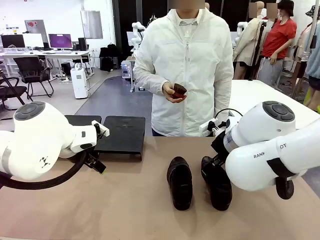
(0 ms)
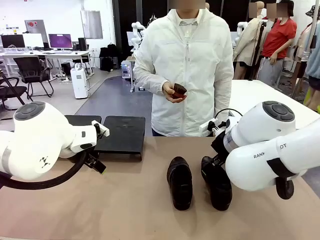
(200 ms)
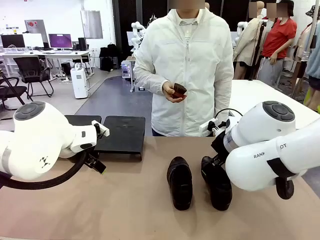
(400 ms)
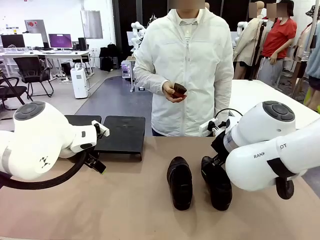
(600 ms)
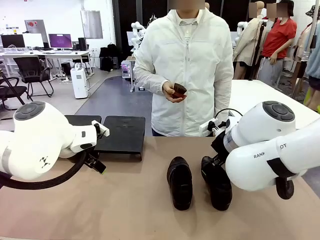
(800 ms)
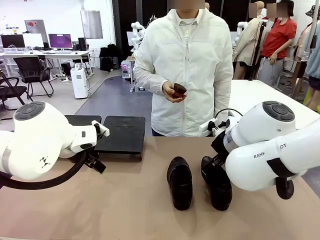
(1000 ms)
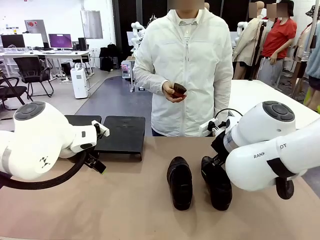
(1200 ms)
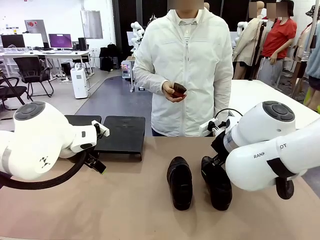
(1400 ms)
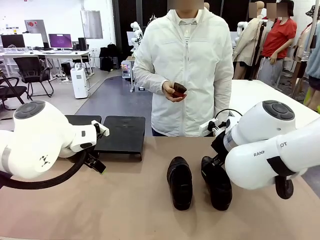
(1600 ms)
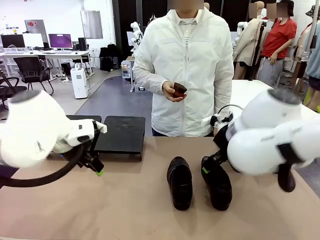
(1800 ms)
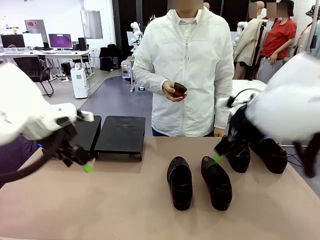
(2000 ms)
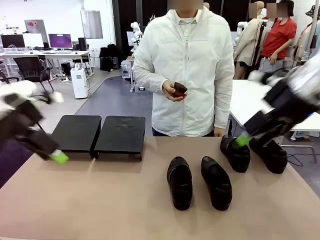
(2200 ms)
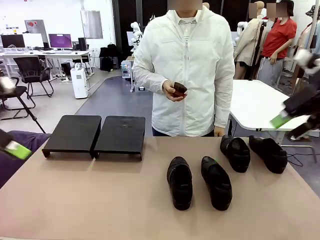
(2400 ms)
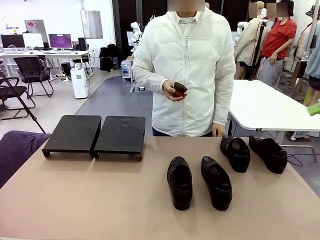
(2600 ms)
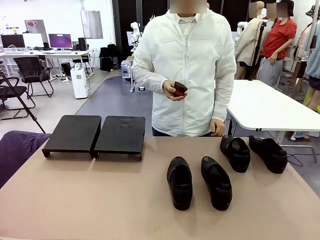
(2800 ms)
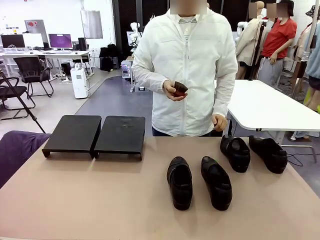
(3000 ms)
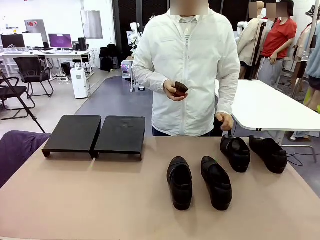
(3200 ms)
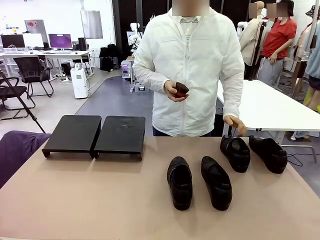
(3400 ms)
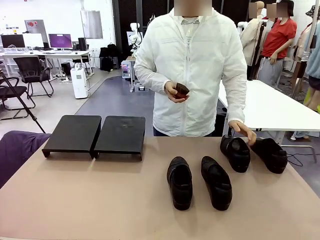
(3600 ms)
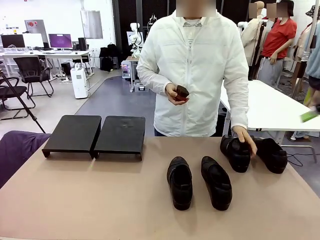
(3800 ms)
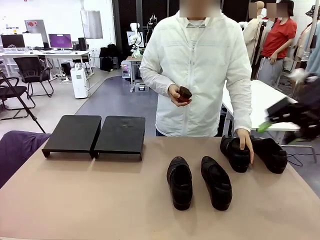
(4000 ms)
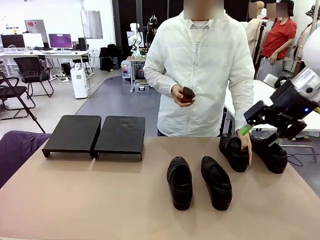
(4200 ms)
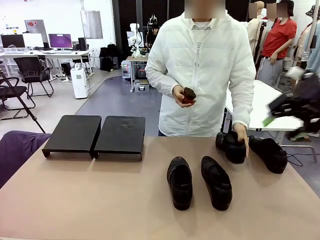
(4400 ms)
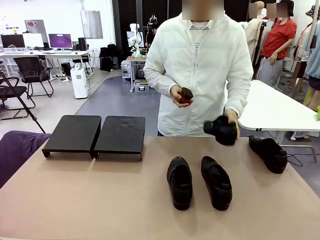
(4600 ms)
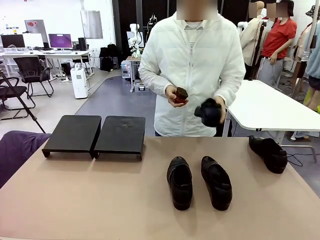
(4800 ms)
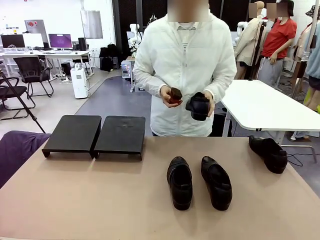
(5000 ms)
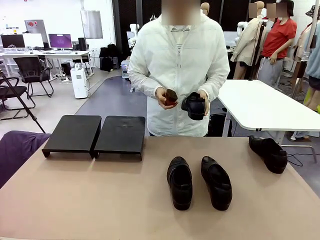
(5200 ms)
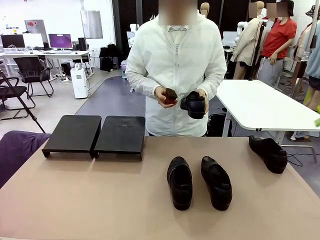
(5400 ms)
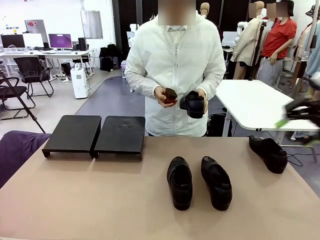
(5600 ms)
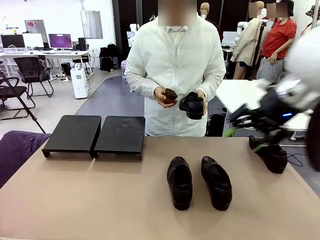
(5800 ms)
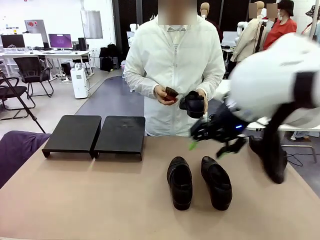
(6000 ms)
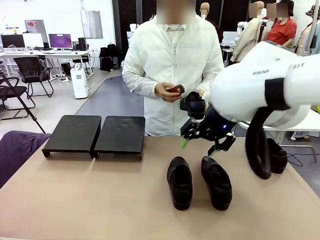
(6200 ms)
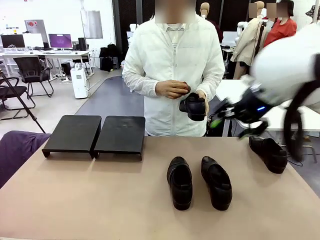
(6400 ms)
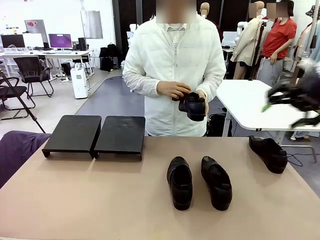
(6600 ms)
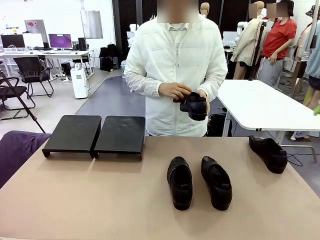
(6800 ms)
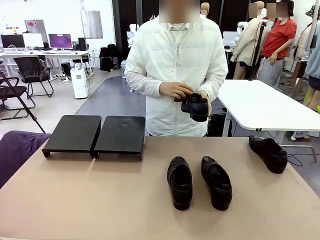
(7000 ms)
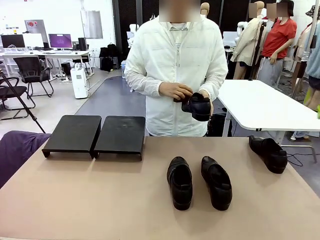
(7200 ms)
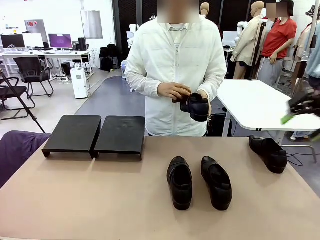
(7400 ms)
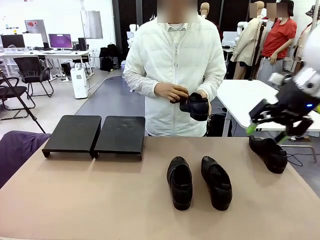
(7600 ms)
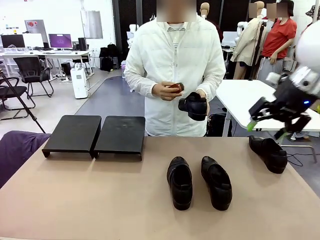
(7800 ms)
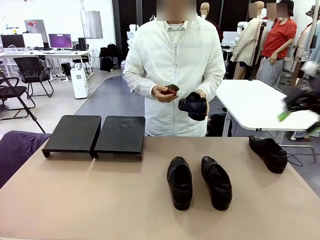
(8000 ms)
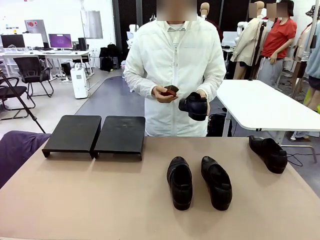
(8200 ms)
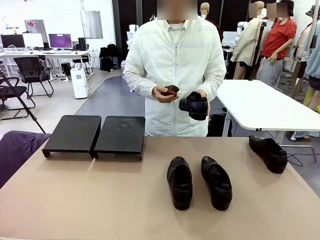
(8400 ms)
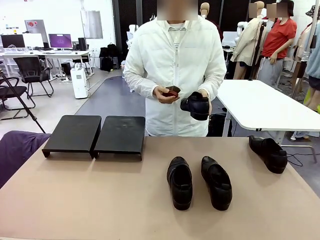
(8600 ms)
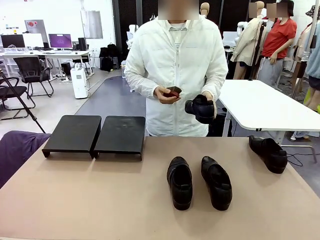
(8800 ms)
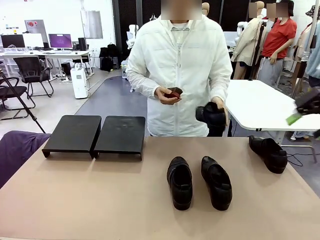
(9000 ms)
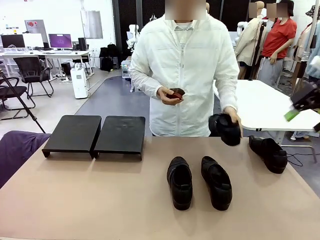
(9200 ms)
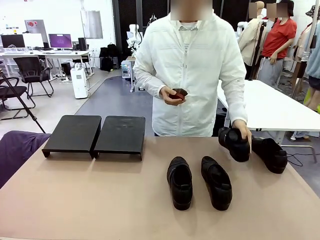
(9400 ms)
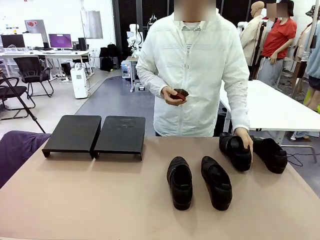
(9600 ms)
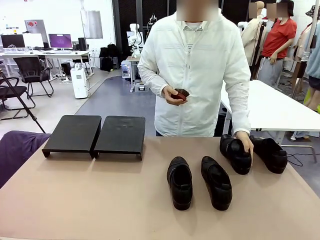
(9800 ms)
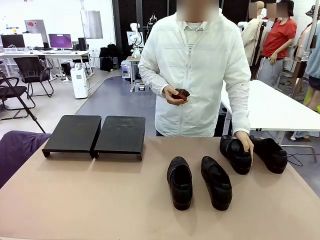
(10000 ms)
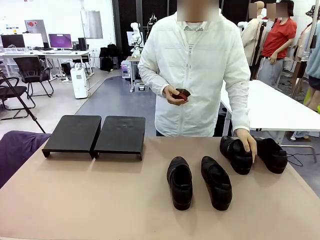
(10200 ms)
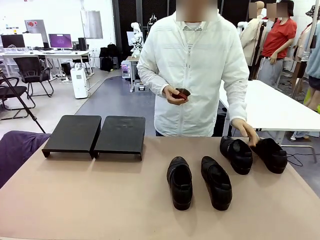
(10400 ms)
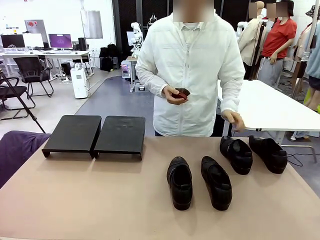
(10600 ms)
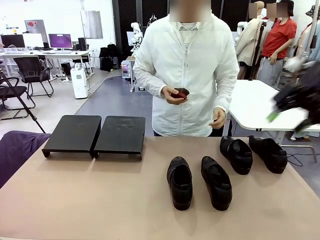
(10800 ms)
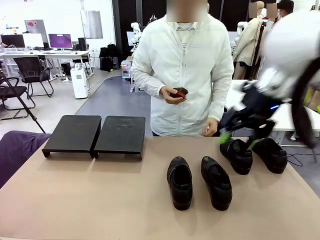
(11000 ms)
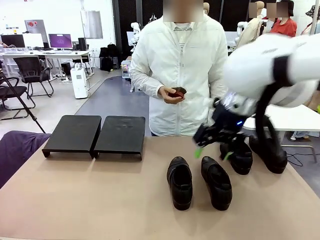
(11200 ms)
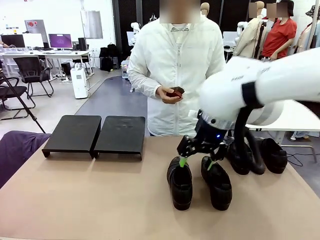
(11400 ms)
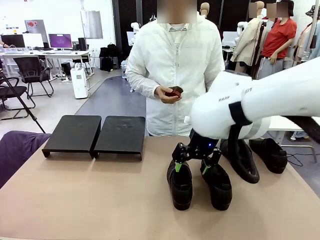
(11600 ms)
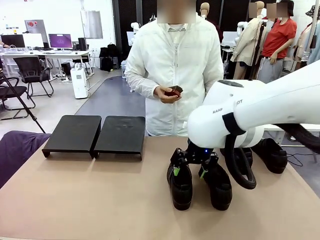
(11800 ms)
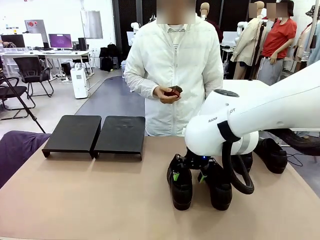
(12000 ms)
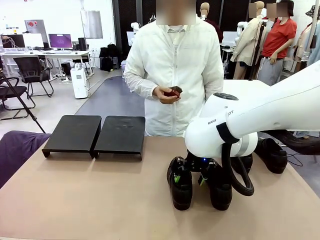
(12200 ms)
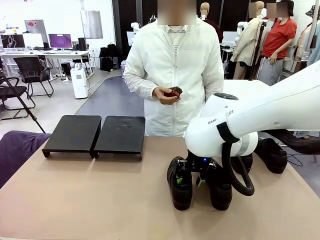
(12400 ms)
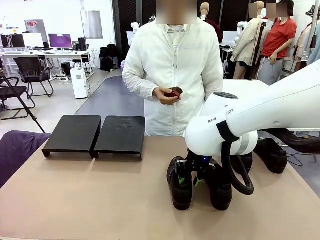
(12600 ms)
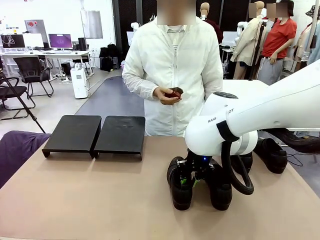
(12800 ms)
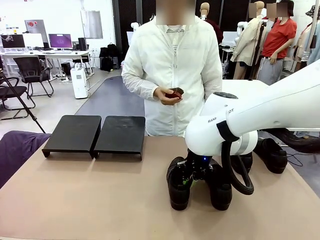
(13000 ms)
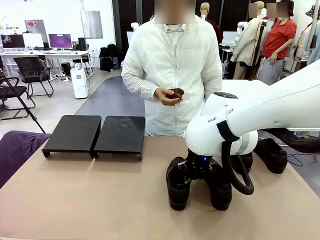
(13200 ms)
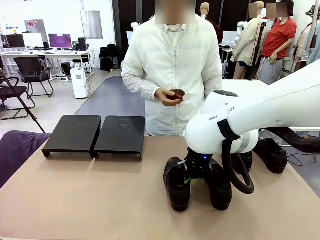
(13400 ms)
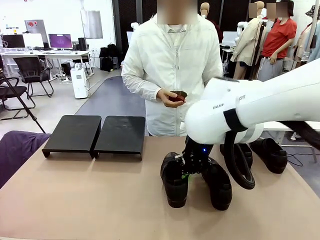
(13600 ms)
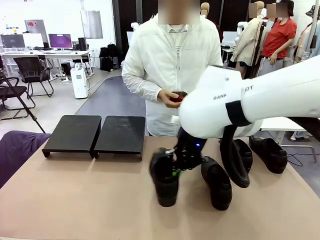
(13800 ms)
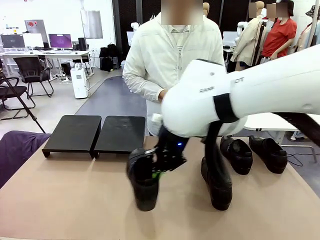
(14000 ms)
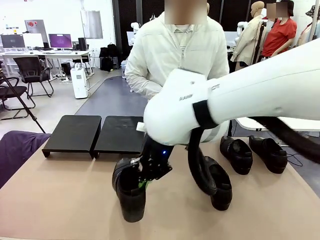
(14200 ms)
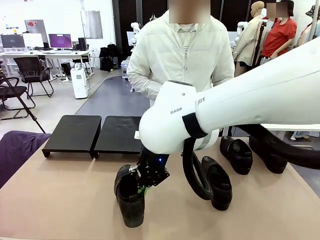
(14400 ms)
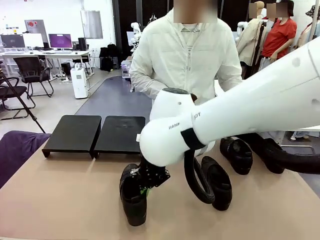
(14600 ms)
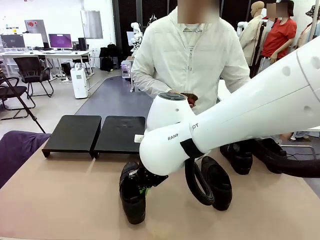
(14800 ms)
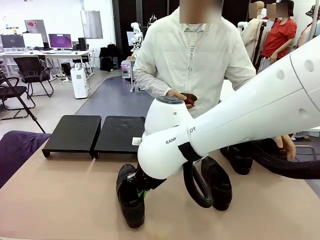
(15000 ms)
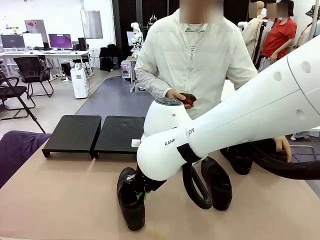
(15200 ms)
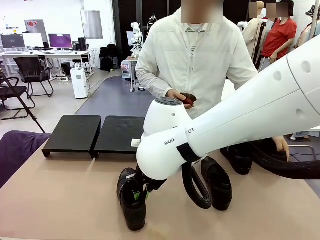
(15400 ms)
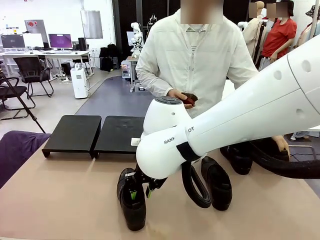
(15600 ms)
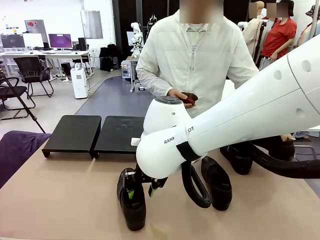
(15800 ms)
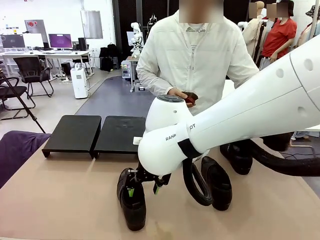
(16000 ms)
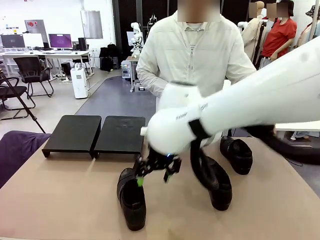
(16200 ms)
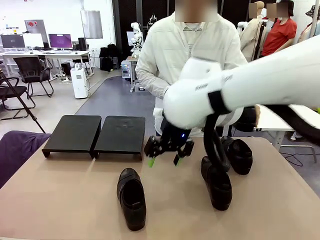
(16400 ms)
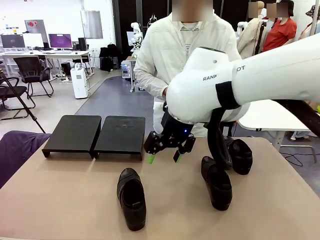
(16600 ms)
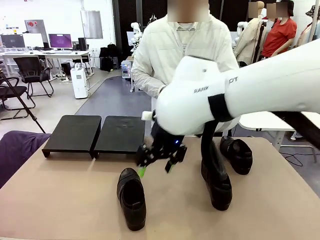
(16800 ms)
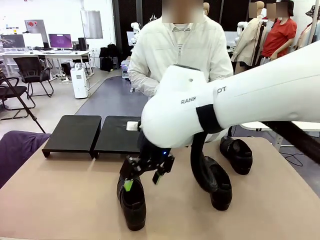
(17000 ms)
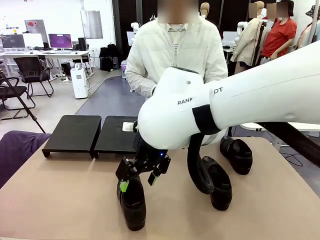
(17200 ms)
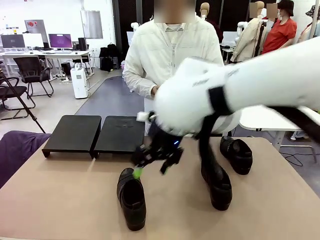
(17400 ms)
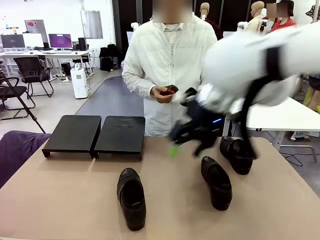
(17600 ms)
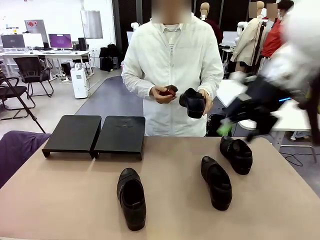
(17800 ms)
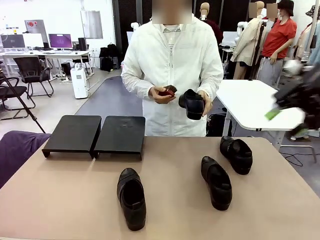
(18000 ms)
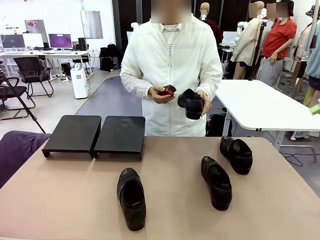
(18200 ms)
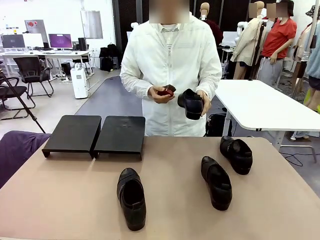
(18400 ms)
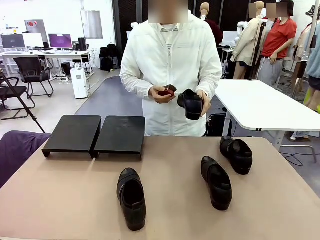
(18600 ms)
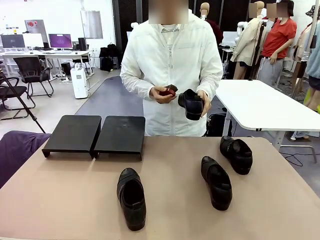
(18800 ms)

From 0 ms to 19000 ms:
Task: Organize the shoes by placing them on the stand.
Robot: Pick up one Shoe and place it in the middle of the table.
Person: Pick one Shoe on Robot's table. Clean the Shoe with the Shoe Brush. Place the Shoe on left side of the Robot's table. Pick one Shoe on Robot's table.
